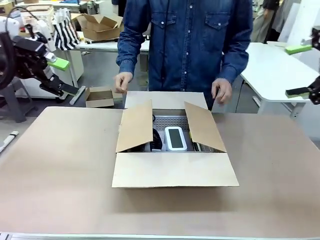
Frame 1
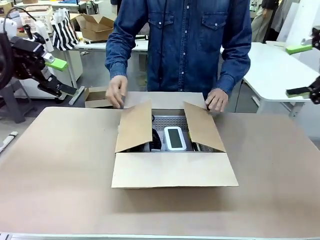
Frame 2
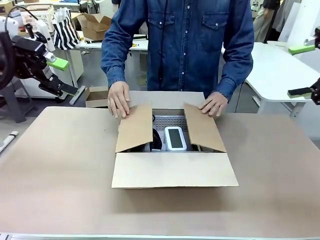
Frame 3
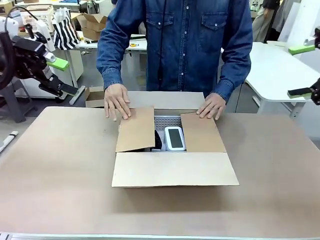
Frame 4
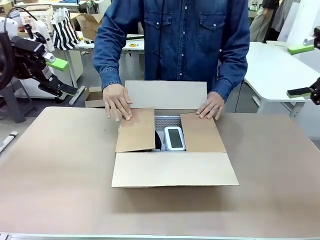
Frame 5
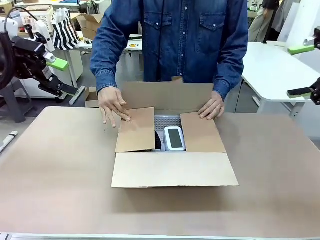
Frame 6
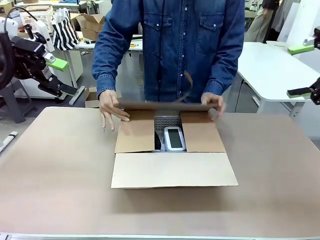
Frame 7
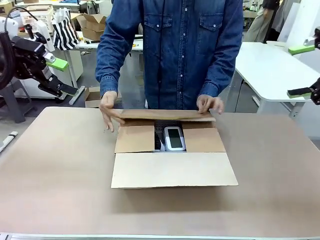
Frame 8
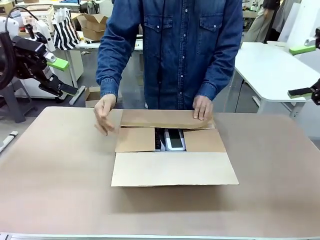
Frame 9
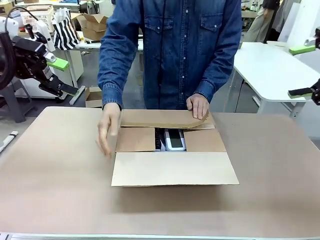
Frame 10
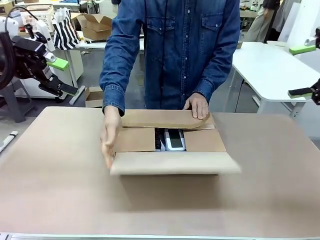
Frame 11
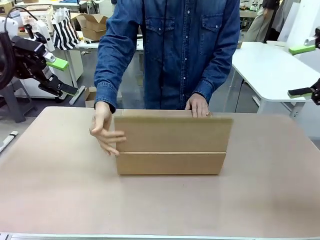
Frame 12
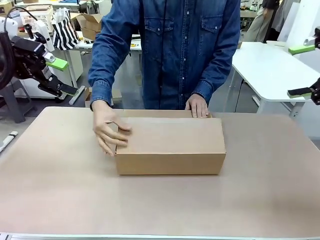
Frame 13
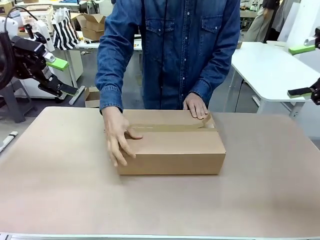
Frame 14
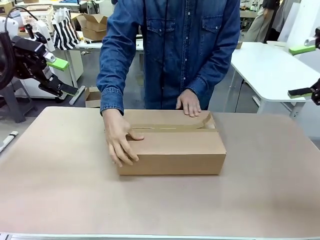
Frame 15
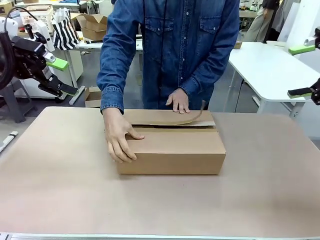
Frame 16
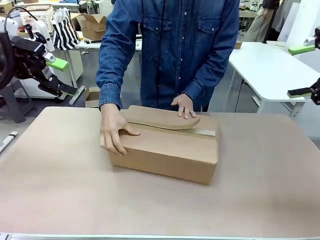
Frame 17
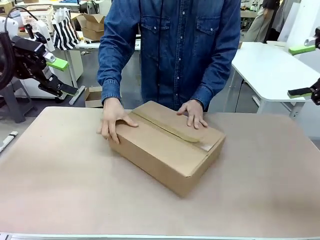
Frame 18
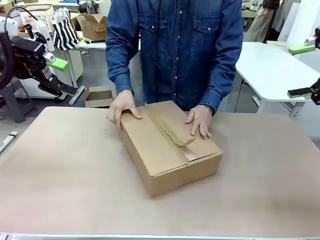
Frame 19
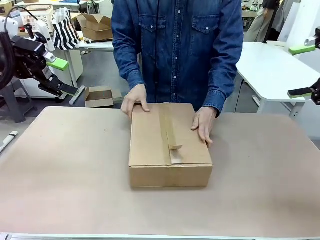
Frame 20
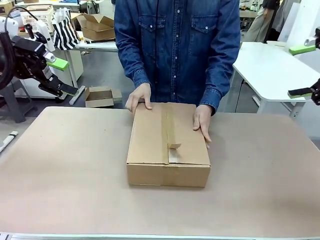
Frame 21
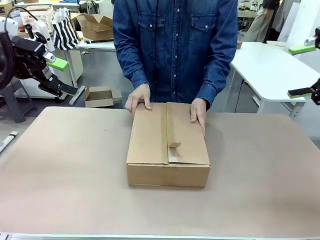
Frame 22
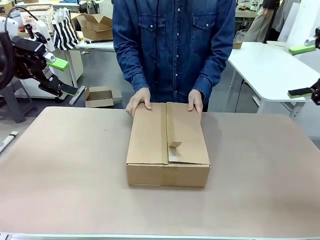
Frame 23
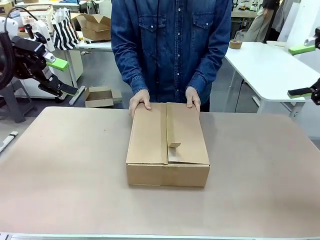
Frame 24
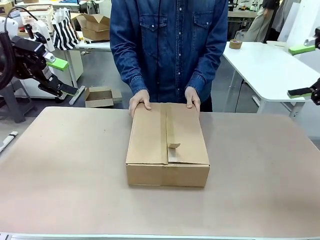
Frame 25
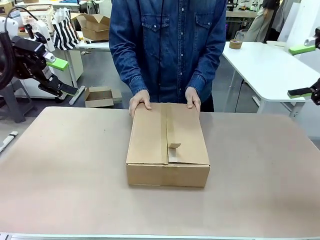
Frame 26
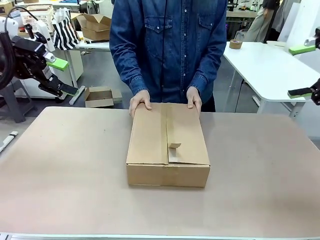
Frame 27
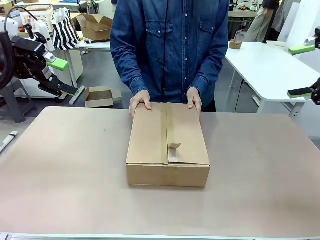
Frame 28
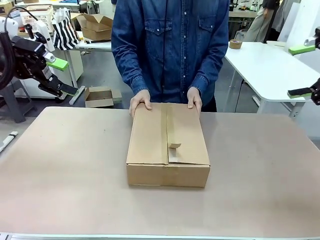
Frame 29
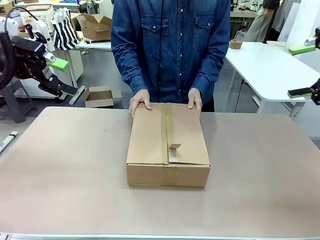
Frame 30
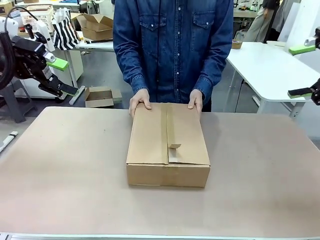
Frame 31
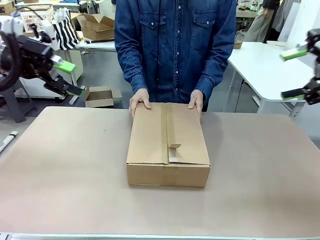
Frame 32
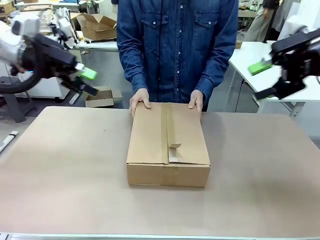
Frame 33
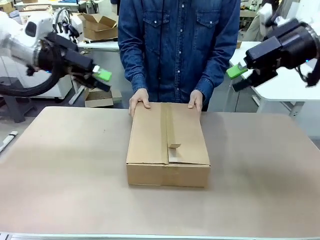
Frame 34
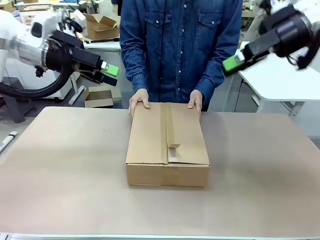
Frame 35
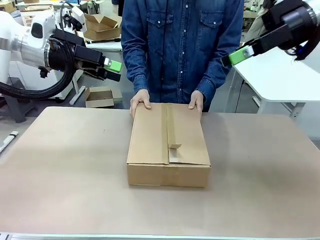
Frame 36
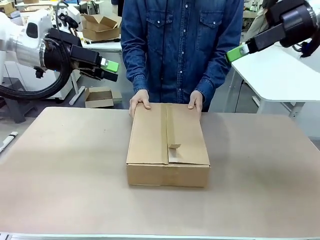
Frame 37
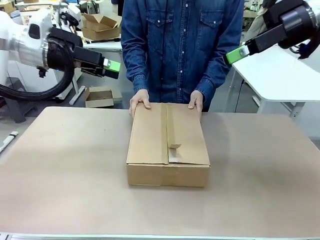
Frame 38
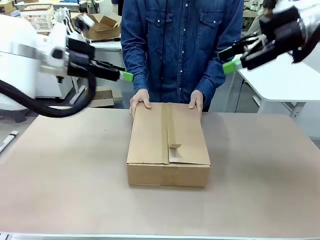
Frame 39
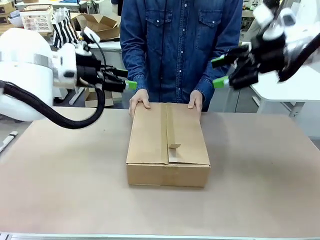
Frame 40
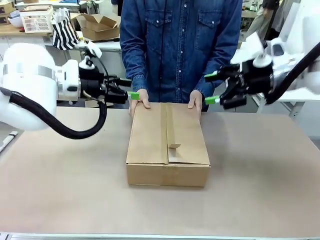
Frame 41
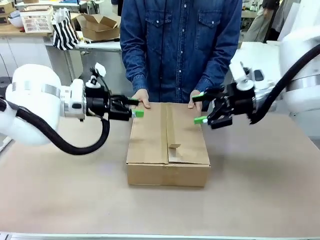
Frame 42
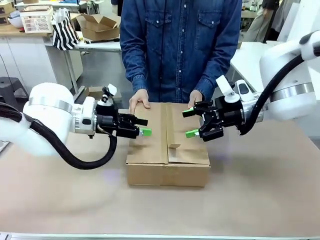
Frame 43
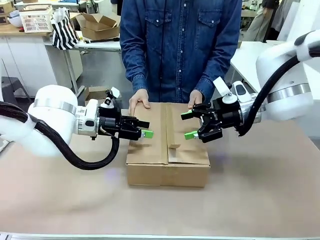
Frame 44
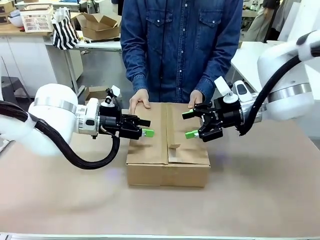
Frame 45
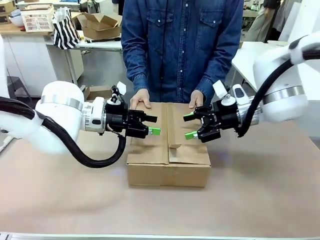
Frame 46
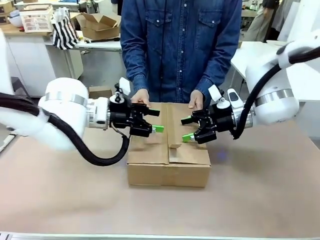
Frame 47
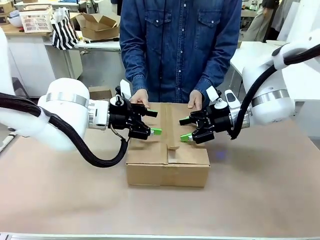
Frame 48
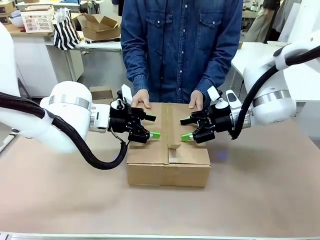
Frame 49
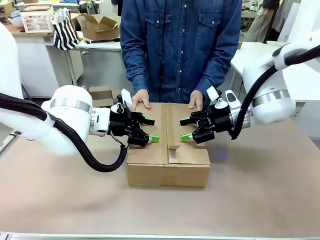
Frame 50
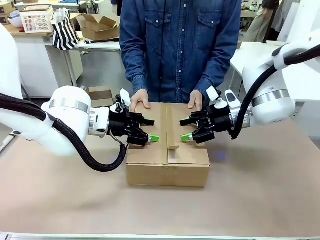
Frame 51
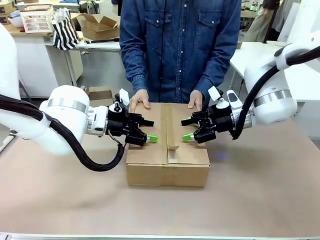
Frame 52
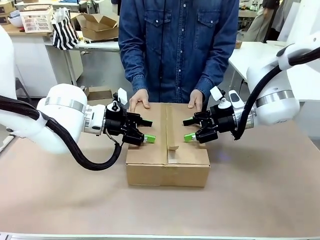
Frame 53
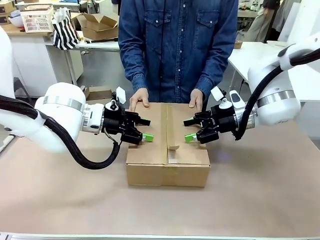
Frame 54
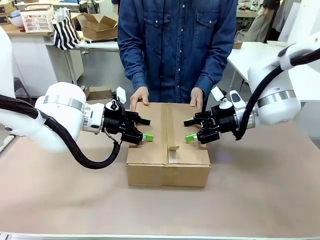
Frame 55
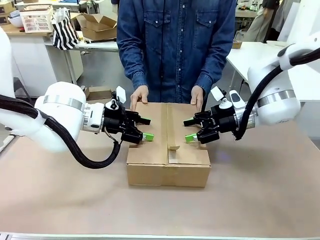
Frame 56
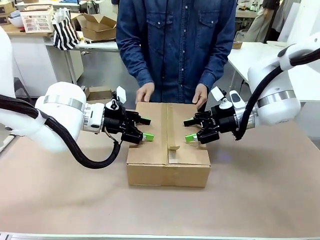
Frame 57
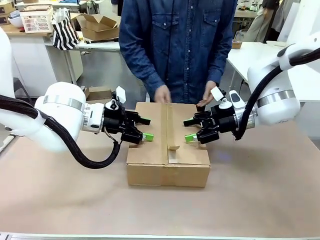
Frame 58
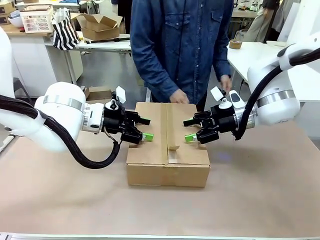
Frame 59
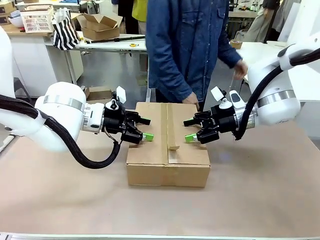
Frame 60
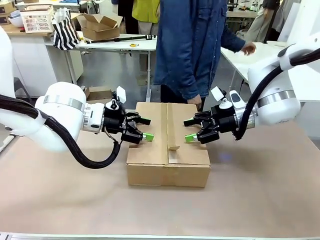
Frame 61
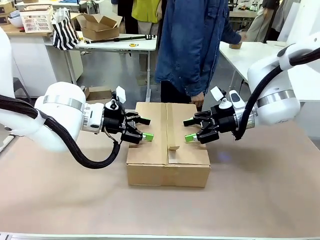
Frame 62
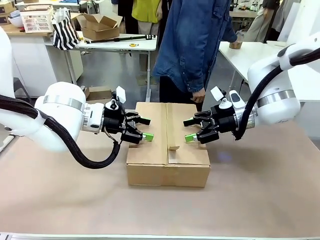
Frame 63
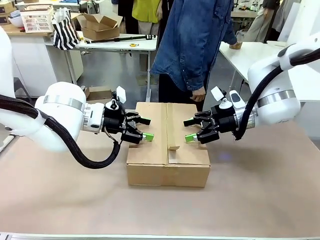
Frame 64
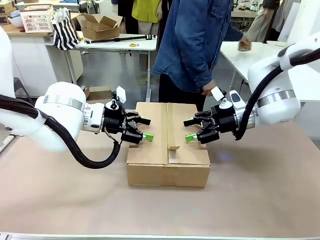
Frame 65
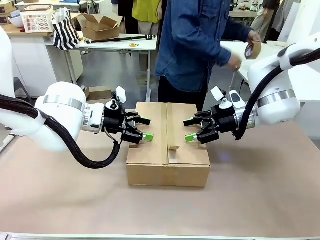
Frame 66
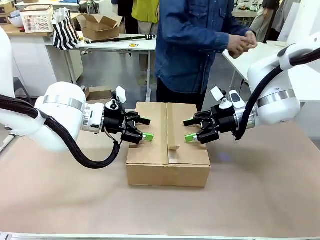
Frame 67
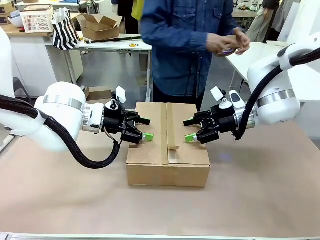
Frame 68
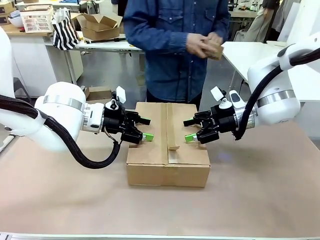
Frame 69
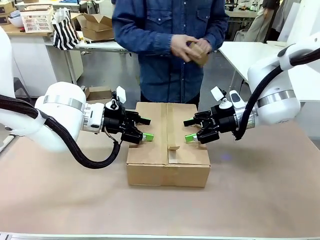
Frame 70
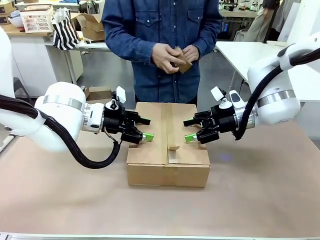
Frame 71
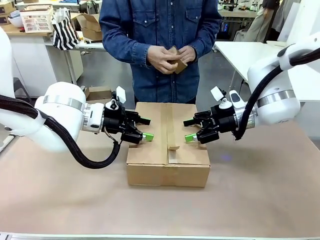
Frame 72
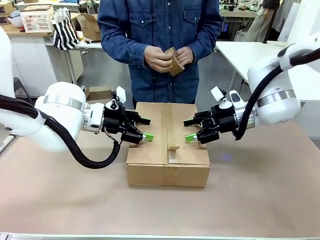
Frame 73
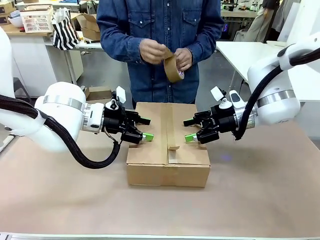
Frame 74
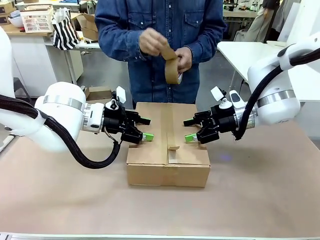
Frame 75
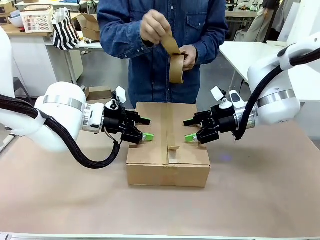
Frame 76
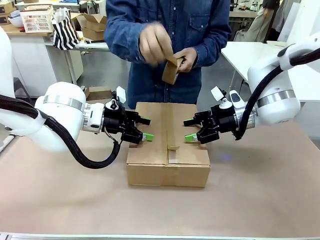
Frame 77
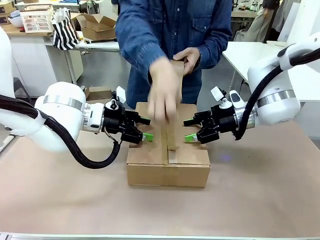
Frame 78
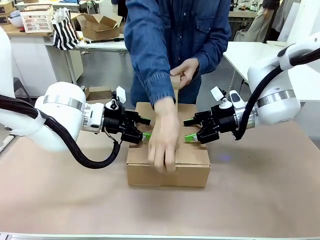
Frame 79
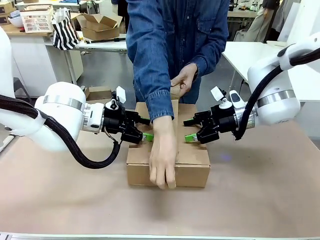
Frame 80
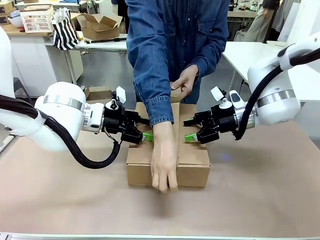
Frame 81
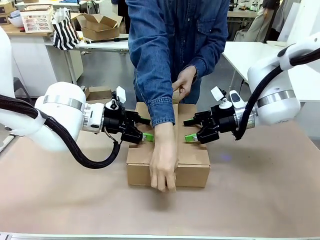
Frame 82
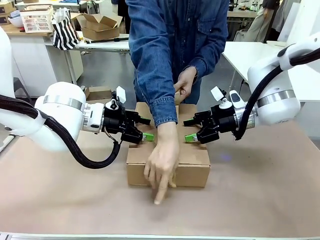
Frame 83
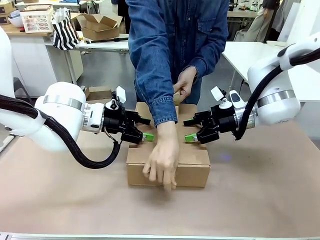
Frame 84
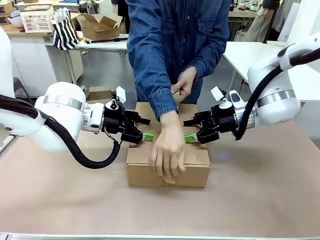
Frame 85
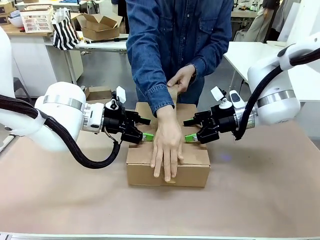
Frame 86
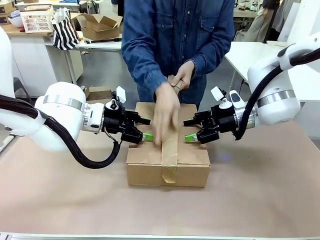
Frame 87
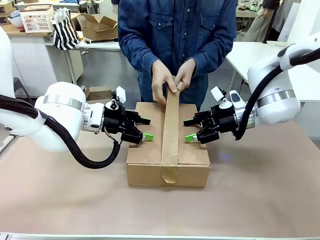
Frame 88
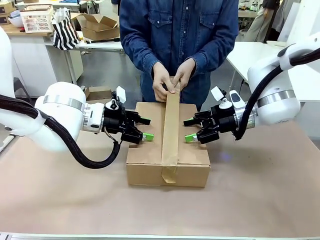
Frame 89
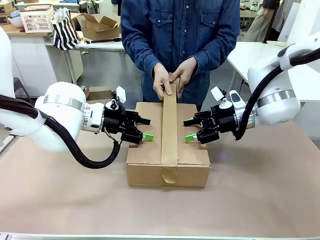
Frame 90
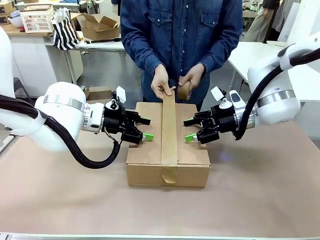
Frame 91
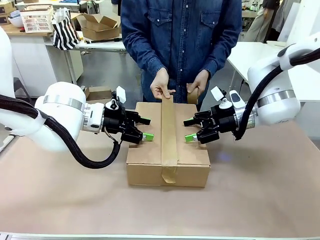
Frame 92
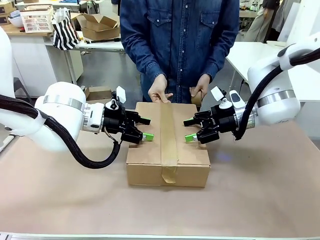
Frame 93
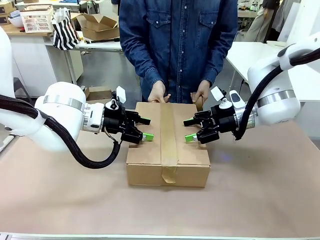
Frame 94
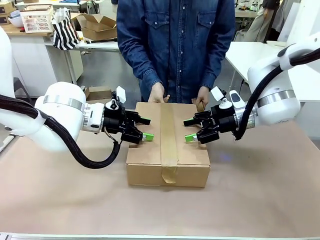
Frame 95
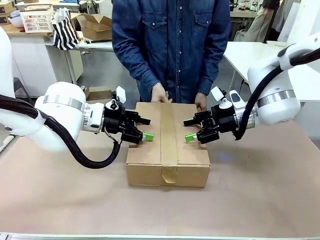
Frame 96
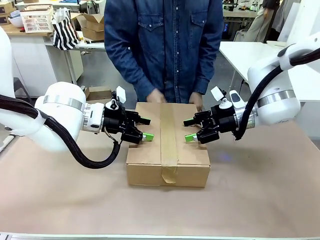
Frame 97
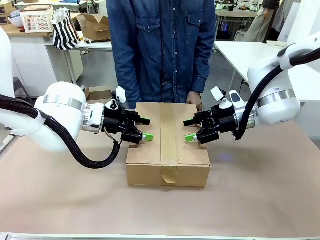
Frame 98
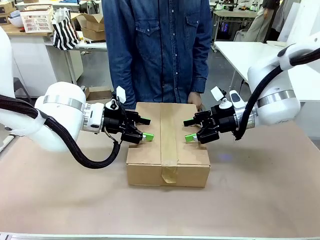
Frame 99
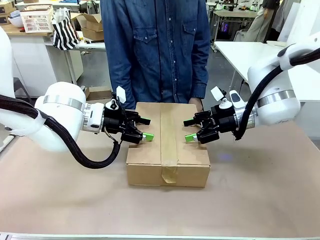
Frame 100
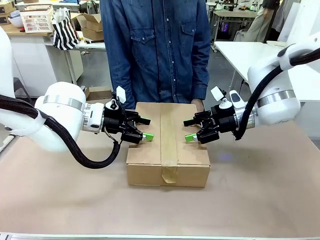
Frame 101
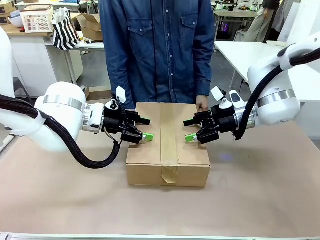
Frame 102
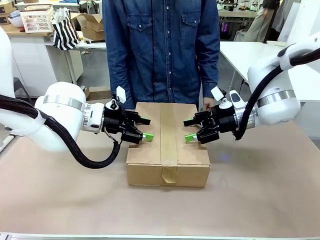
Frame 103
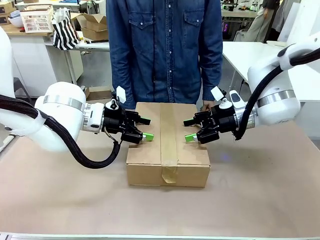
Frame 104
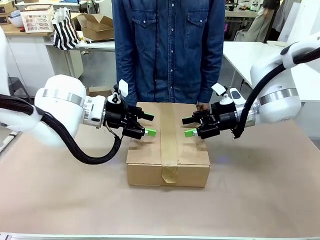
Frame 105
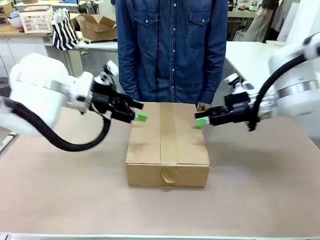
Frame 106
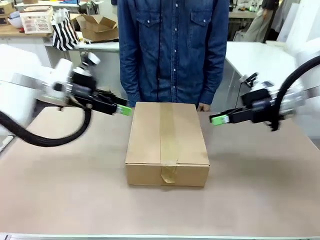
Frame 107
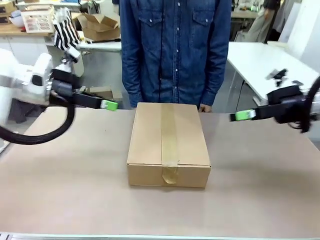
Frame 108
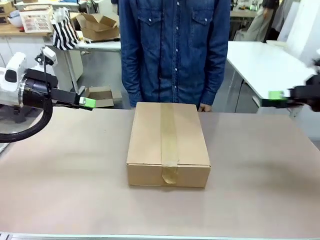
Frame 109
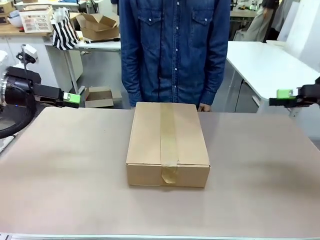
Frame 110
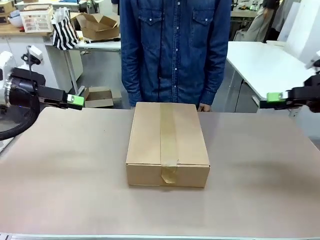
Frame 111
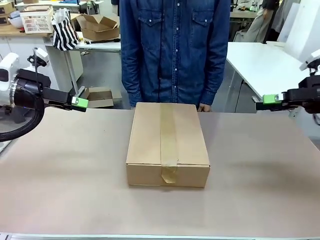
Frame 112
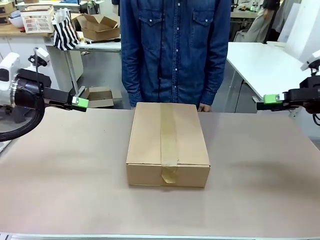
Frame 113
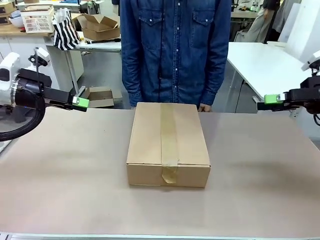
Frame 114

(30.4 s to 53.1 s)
Task: Pack the gift set into the box.
Robot: Press and hold the closed box until the human finishes sealing it.
Person: The human closes the box and rotates the box by 90 degrees. The human picks up the paper tape from the human table and packs the box.
